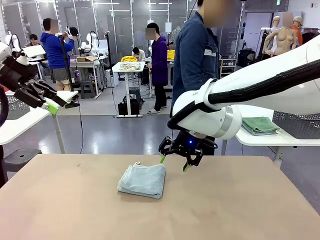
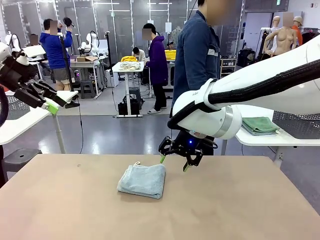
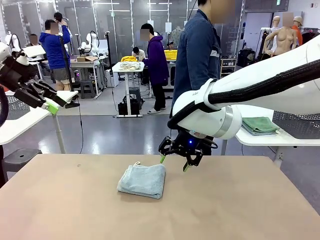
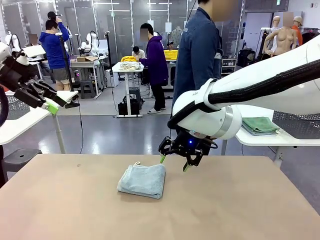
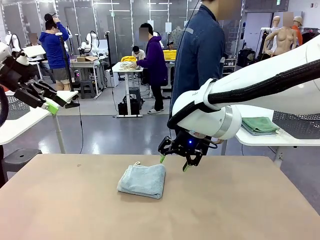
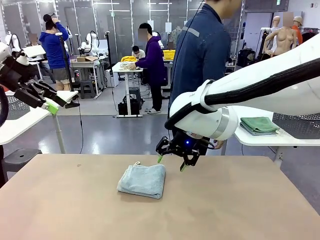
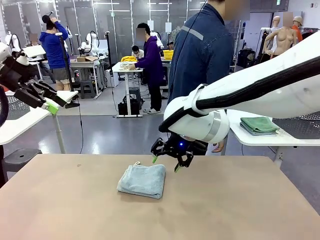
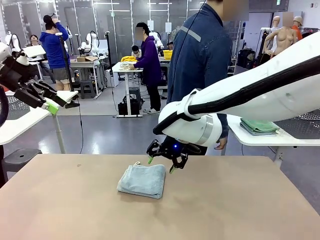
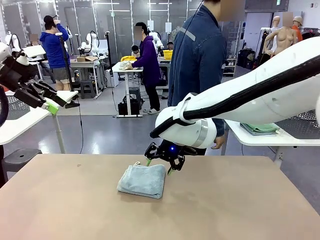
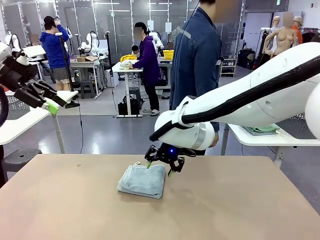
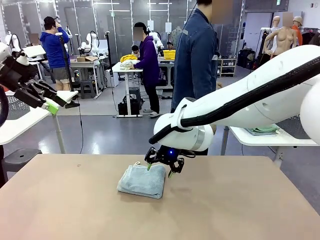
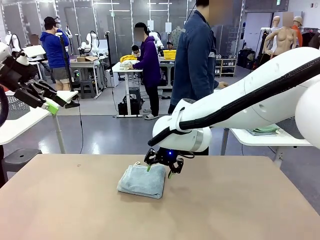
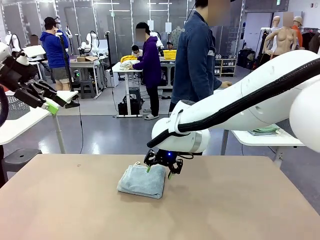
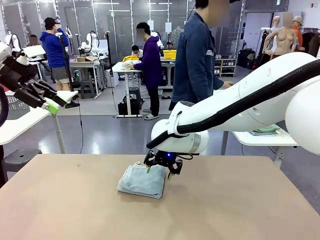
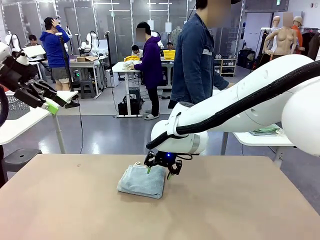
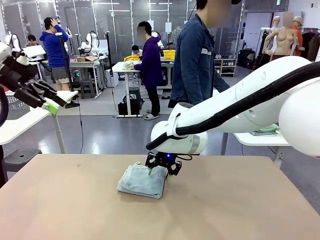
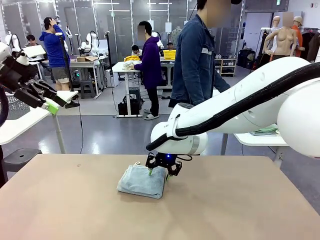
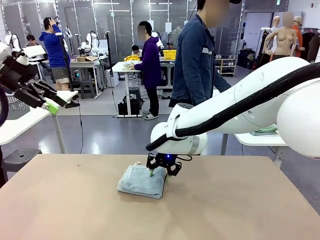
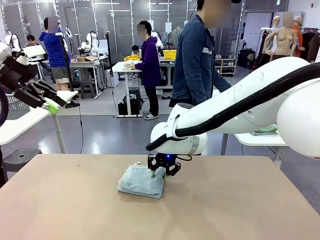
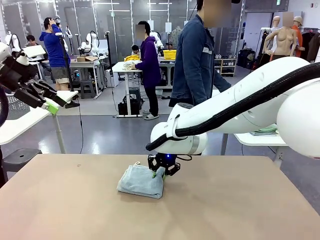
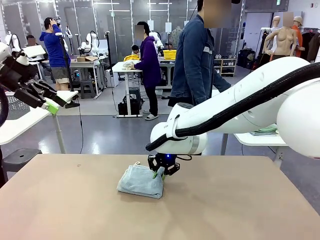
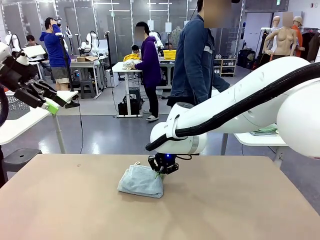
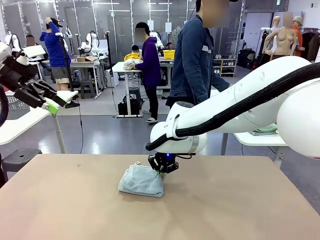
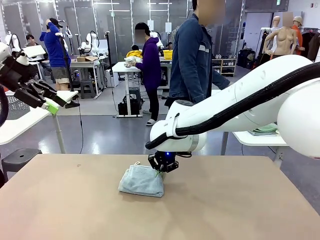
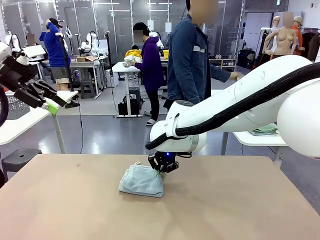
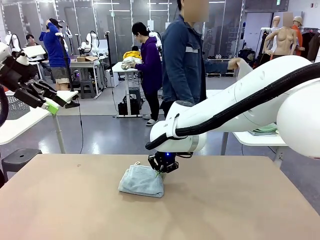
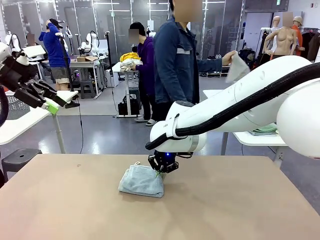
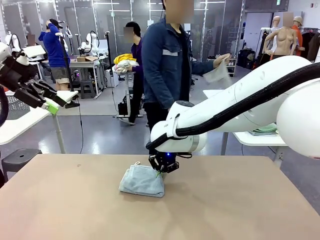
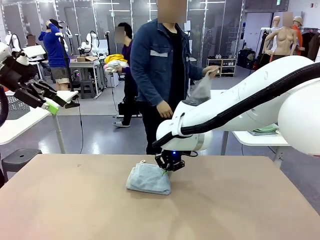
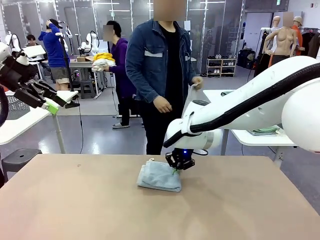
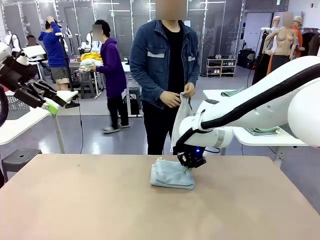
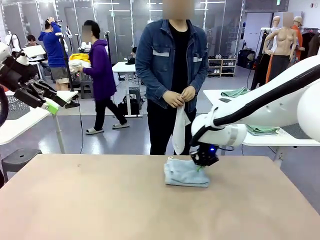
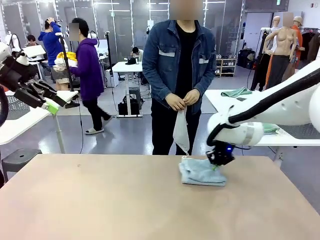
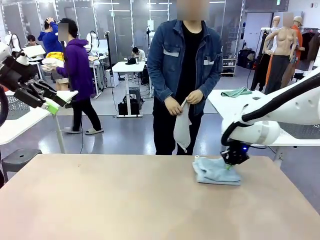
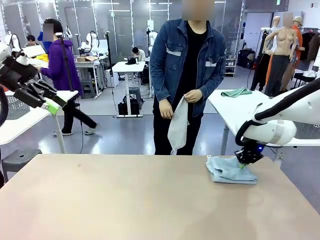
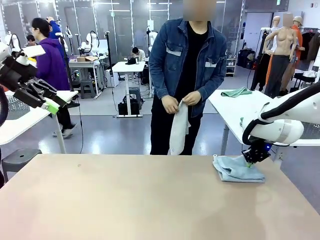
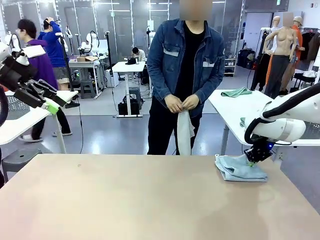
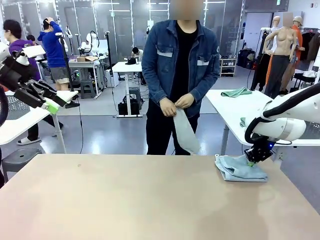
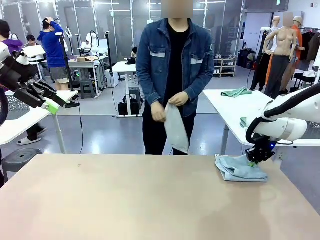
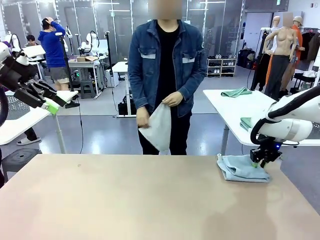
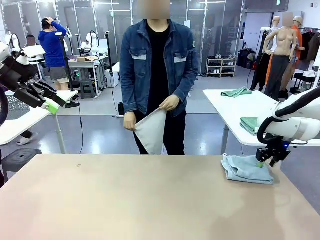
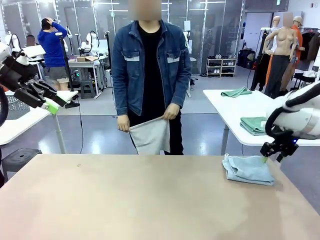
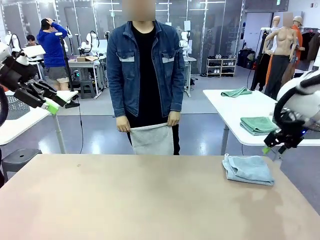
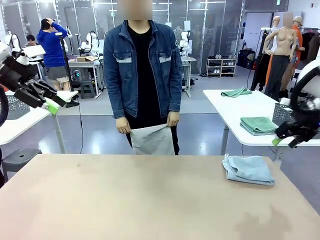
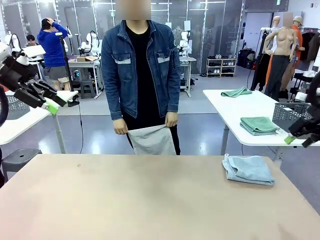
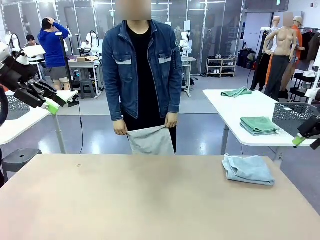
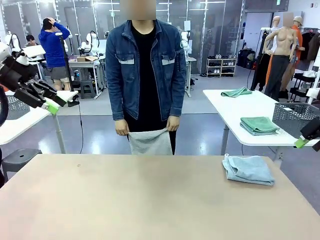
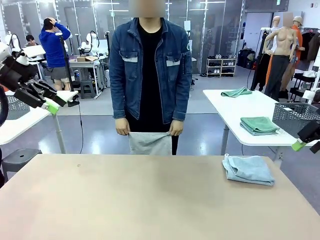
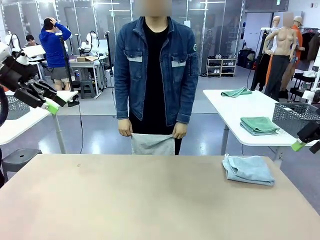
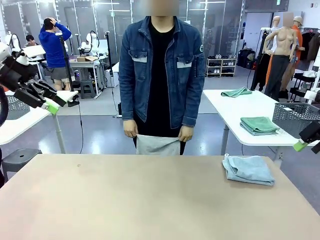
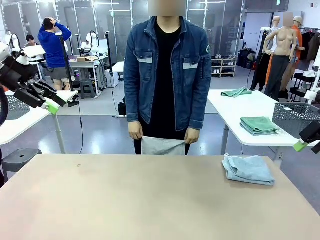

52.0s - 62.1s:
Task: Fold the towels and place them in the basket.
Robot: Place the folded Towel with hook on the right side of the table.
Person: Pick up one towel from the left side of the human table and spread it out at the center of the robot table.

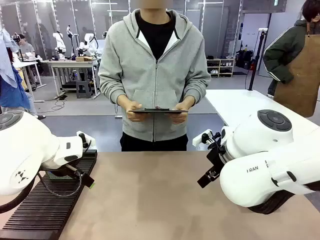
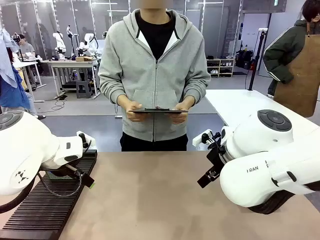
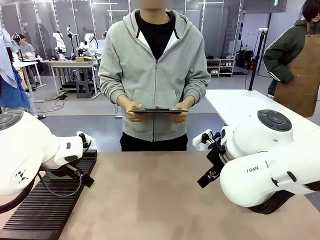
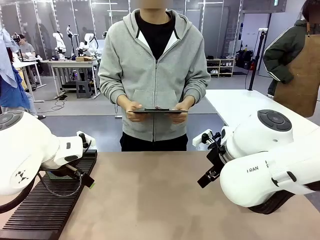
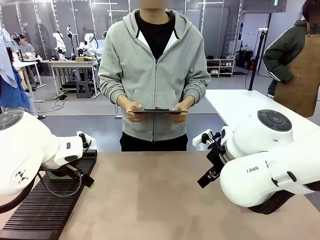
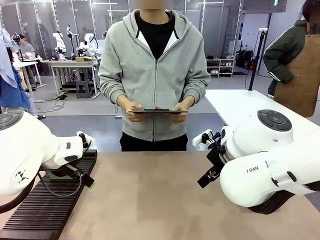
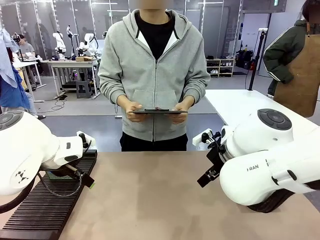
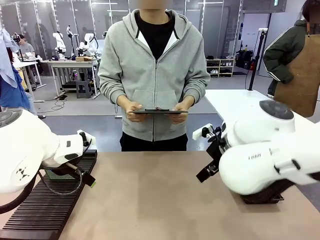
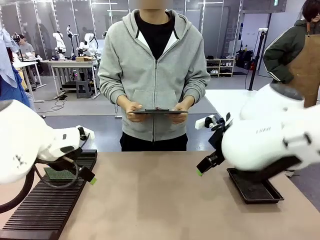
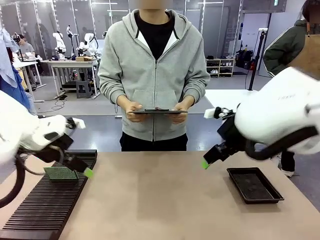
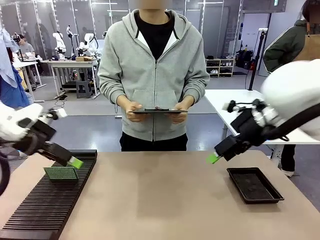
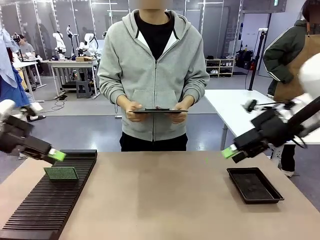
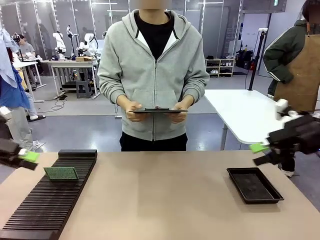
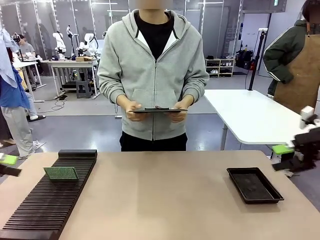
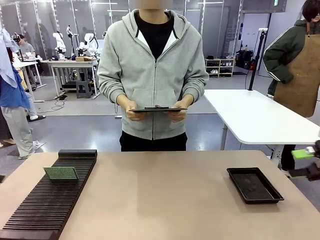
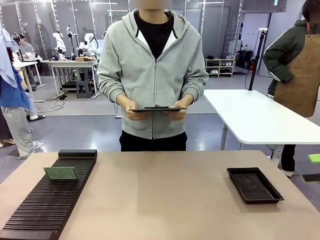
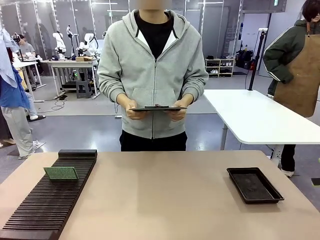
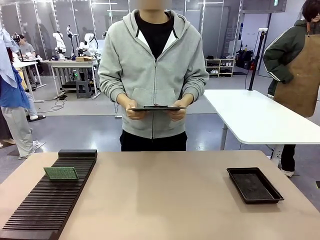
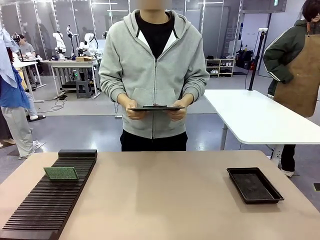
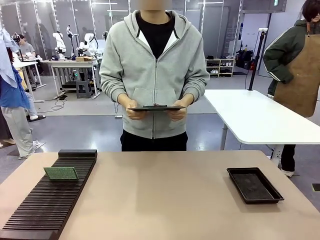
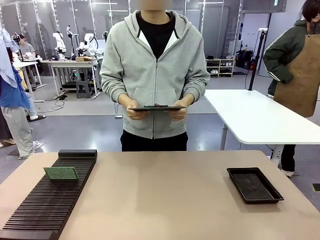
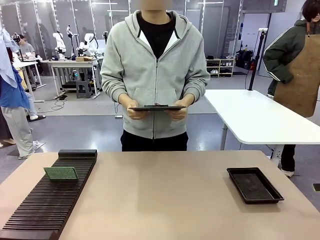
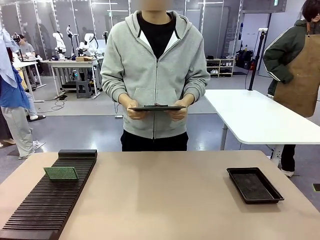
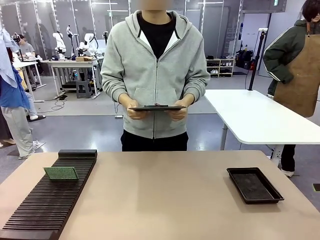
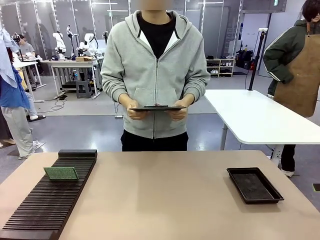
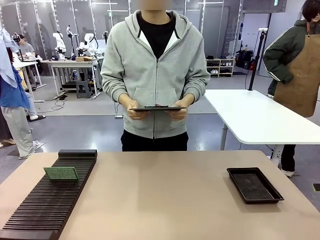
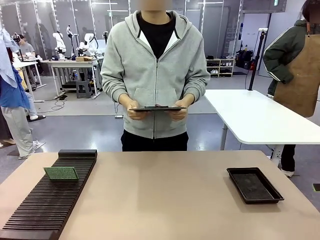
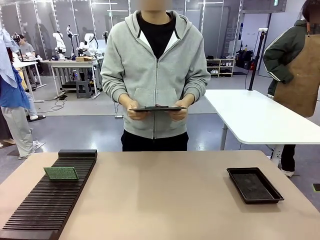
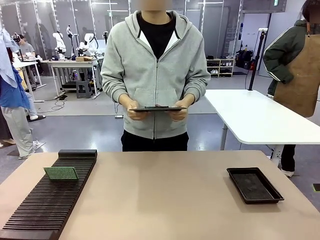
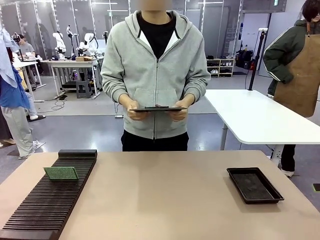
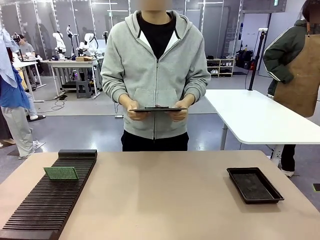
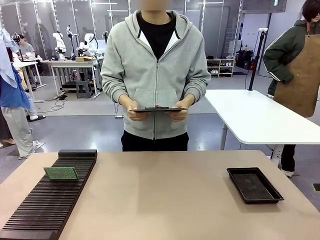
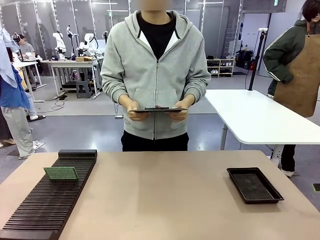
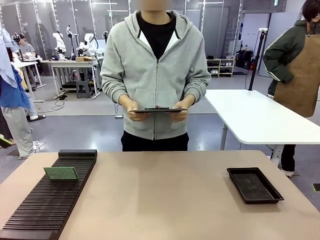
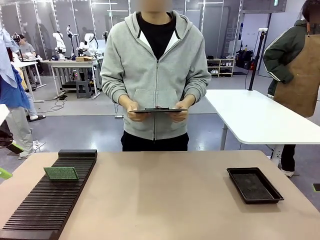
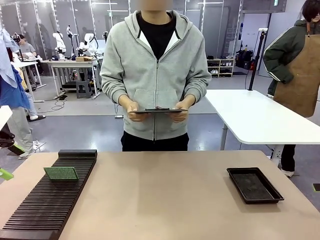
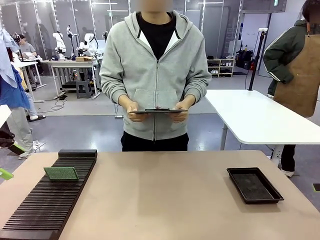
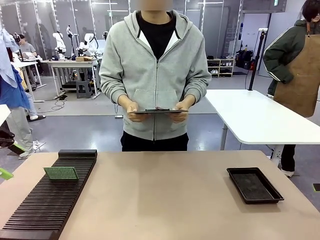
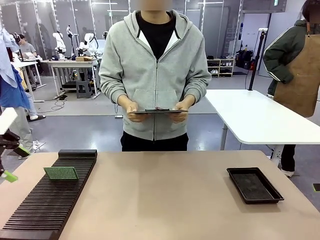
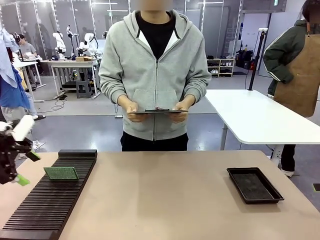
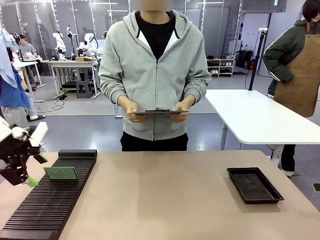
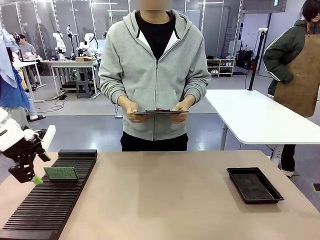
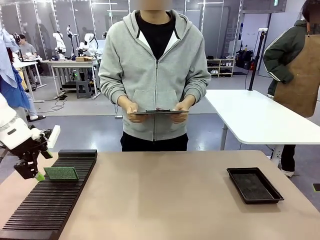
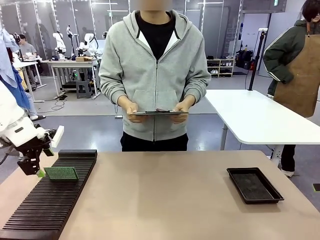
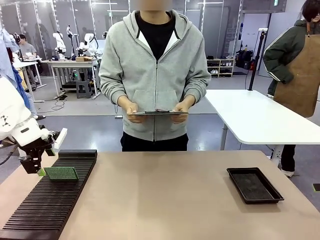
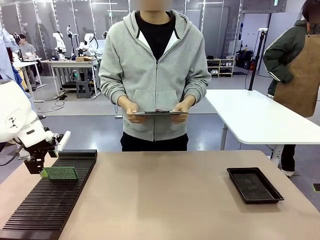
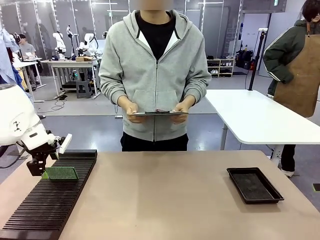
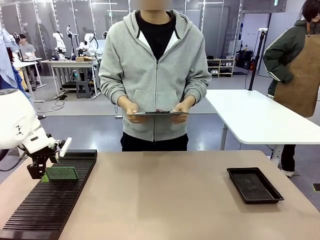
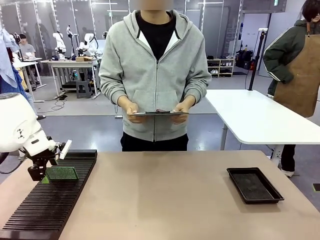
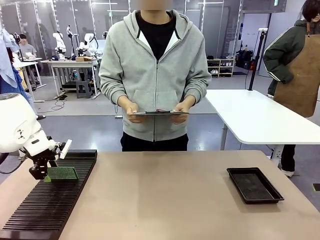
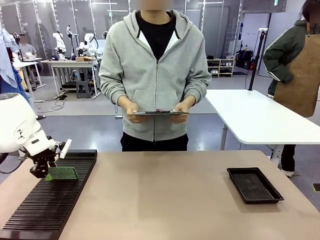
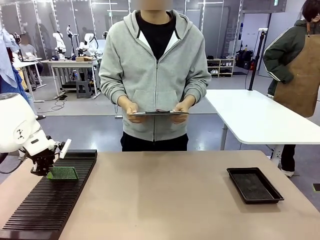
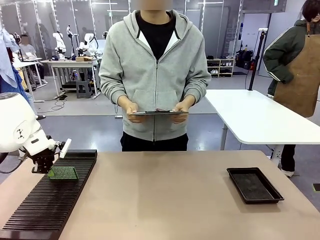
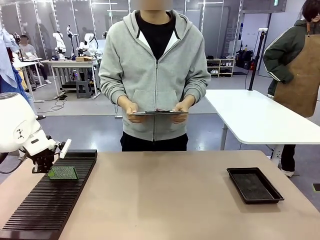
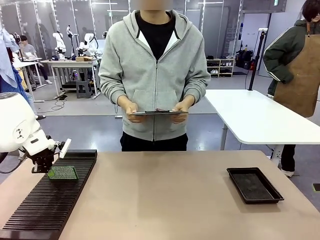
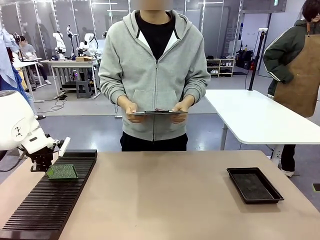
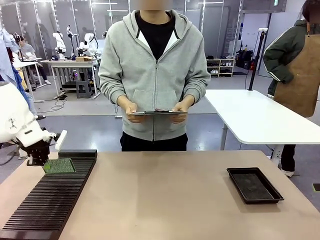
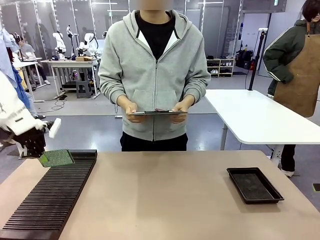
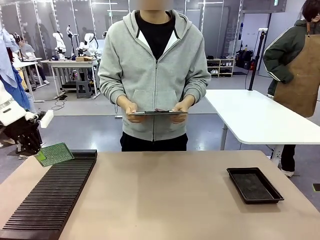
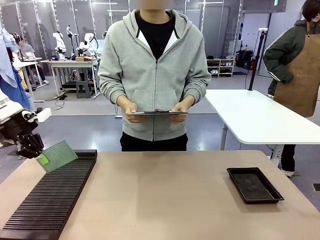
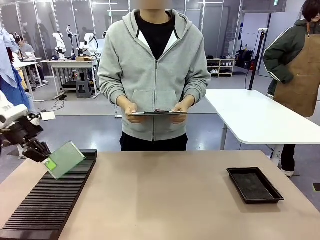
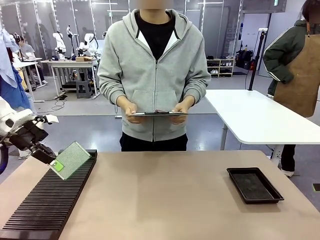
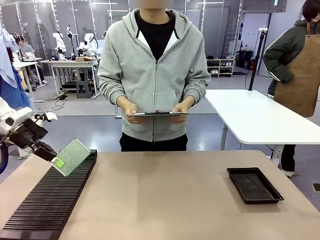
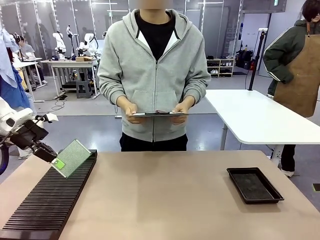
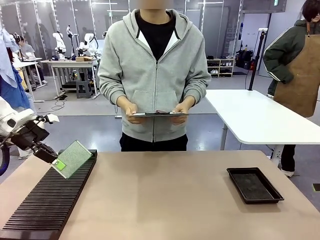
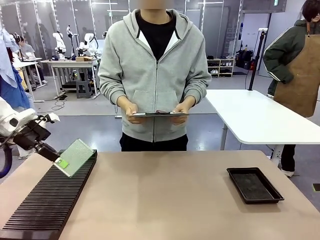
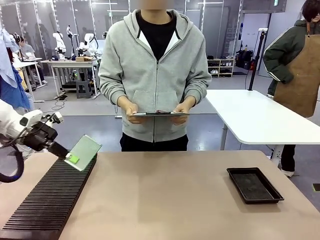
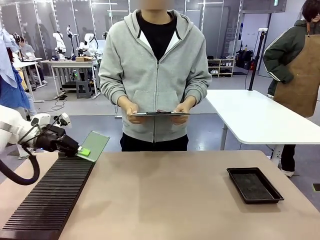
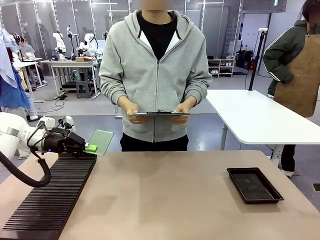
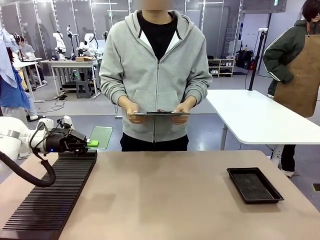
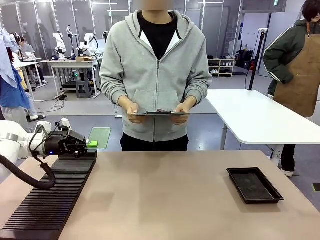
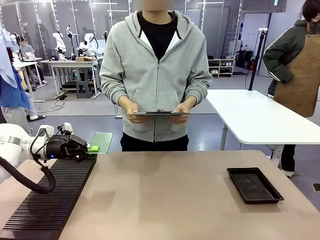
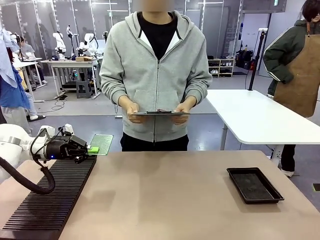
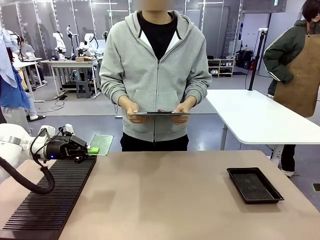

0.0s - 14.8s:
Task: Inspect the PCB.
Robot: Pick up the Blank PCB and present it to the human.
Person: Pick up the PCB presented by the robot.
